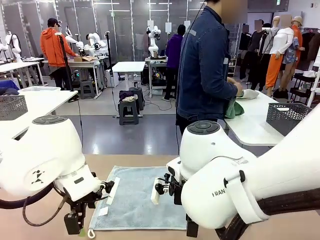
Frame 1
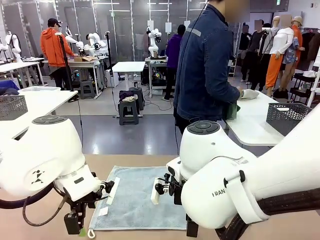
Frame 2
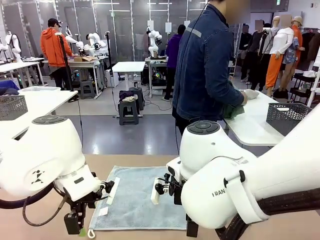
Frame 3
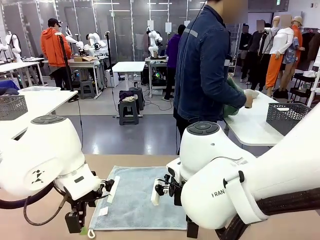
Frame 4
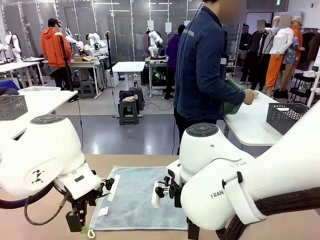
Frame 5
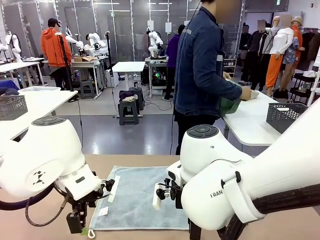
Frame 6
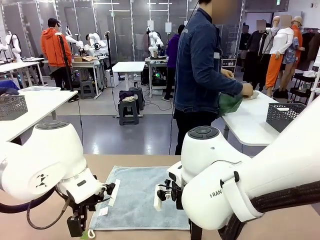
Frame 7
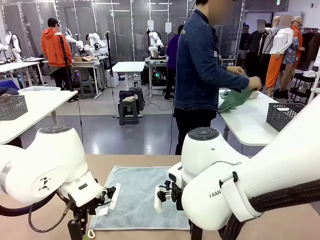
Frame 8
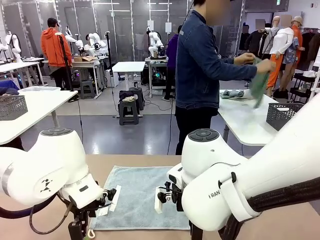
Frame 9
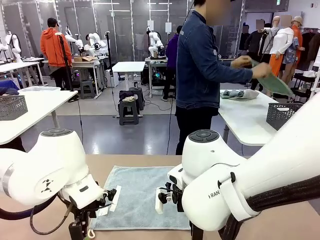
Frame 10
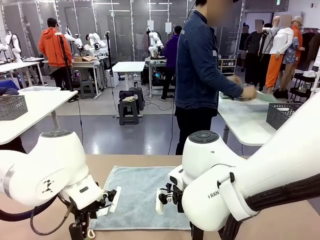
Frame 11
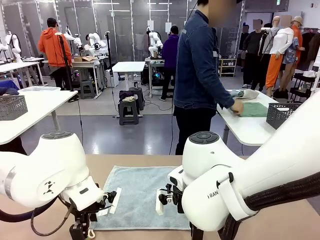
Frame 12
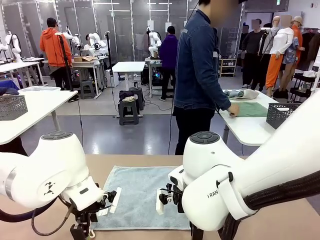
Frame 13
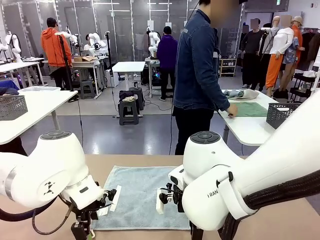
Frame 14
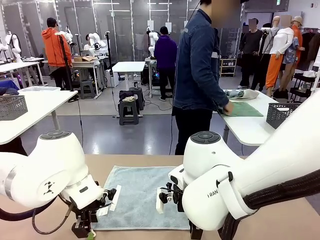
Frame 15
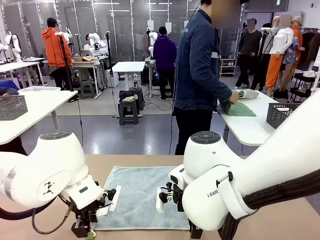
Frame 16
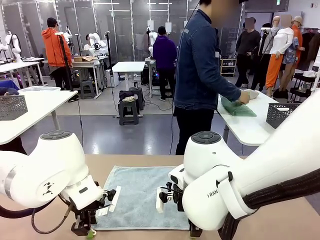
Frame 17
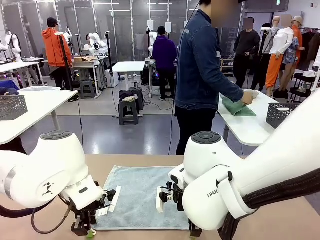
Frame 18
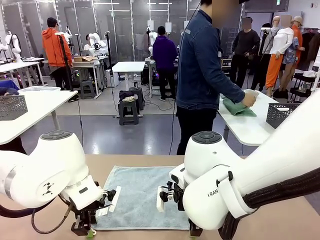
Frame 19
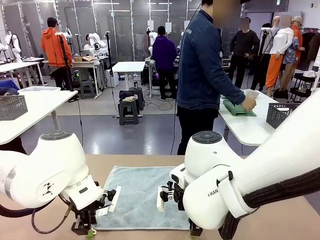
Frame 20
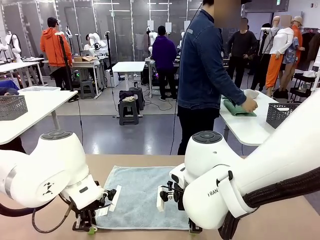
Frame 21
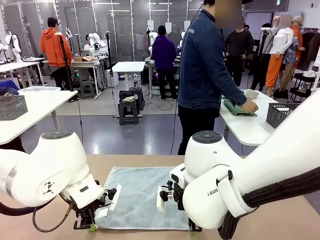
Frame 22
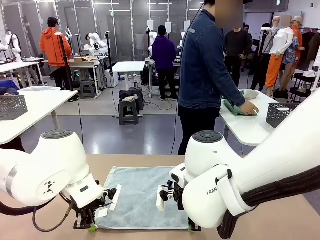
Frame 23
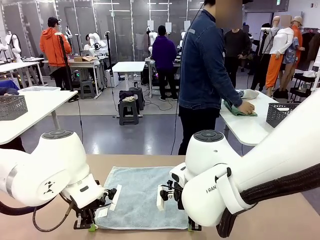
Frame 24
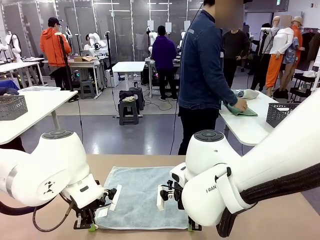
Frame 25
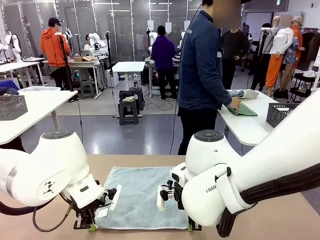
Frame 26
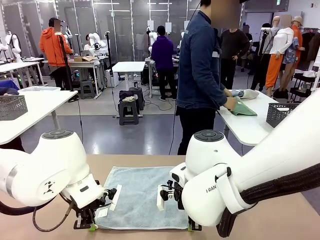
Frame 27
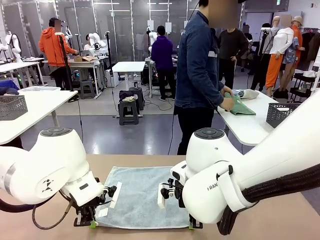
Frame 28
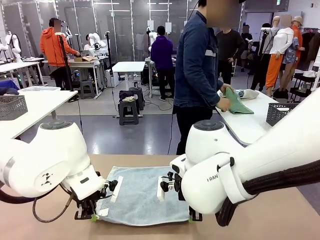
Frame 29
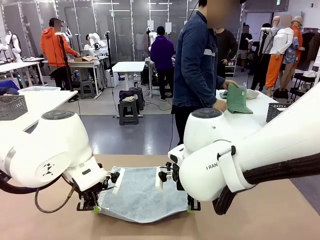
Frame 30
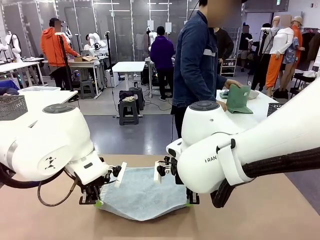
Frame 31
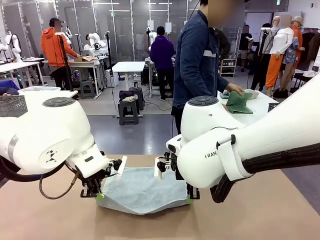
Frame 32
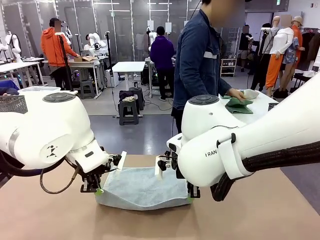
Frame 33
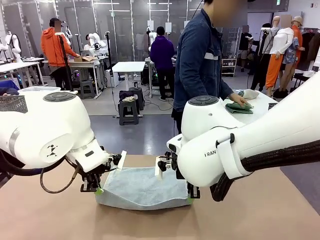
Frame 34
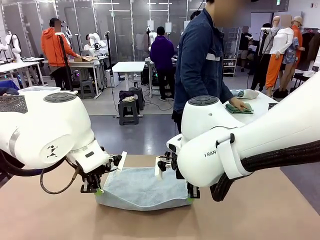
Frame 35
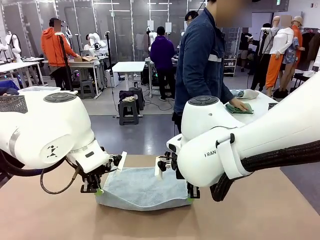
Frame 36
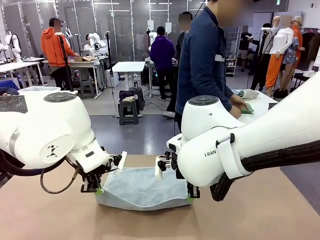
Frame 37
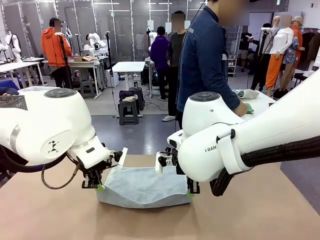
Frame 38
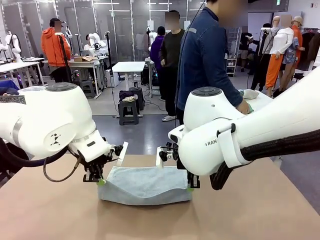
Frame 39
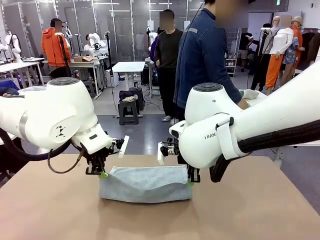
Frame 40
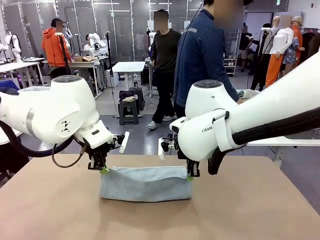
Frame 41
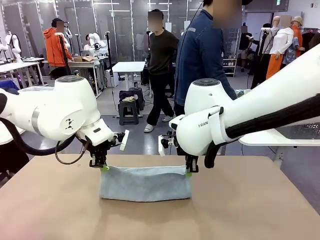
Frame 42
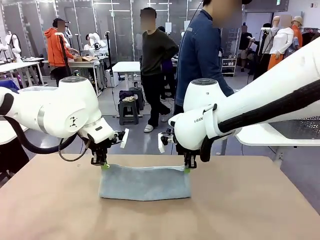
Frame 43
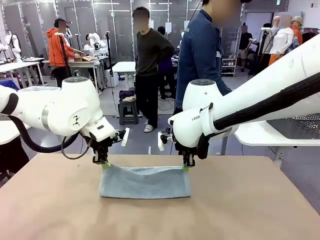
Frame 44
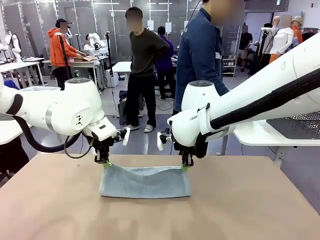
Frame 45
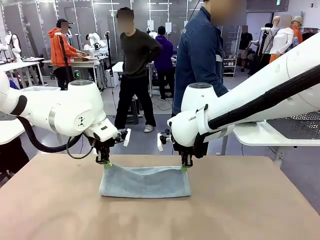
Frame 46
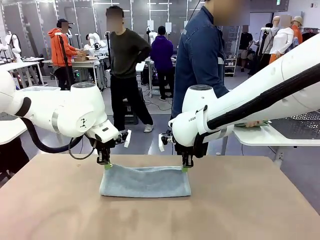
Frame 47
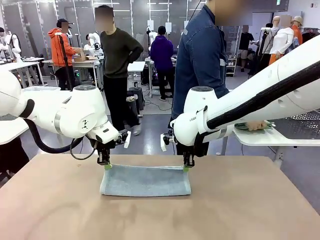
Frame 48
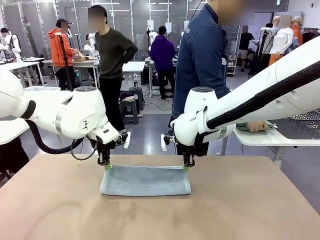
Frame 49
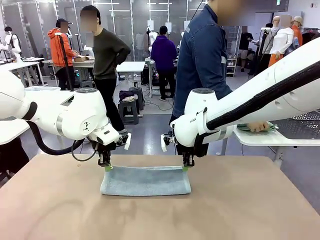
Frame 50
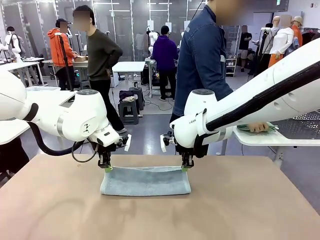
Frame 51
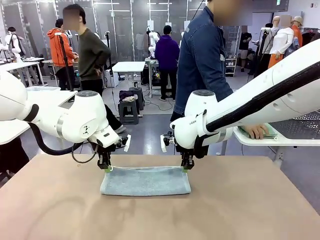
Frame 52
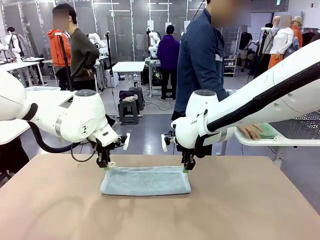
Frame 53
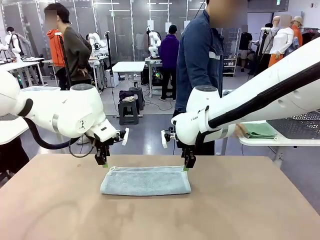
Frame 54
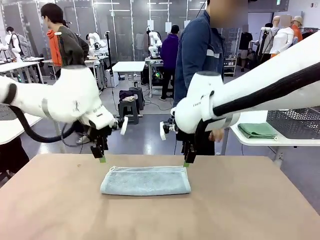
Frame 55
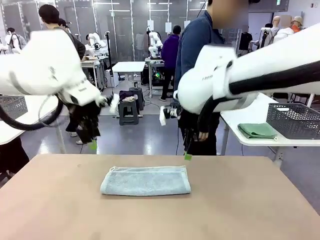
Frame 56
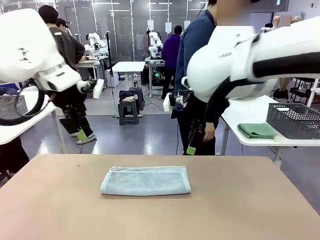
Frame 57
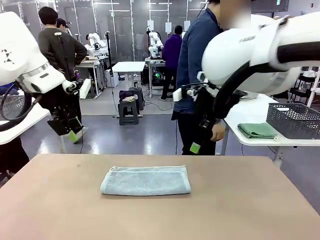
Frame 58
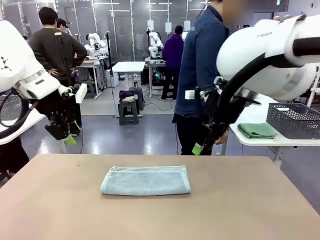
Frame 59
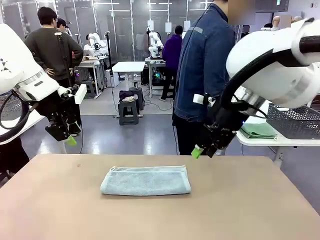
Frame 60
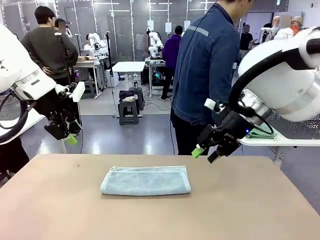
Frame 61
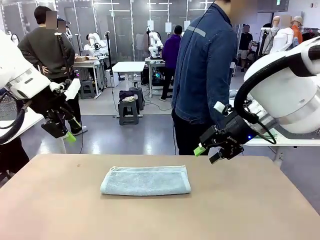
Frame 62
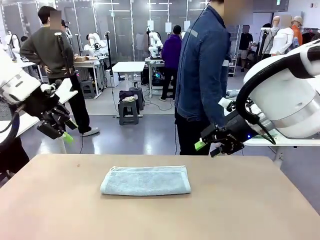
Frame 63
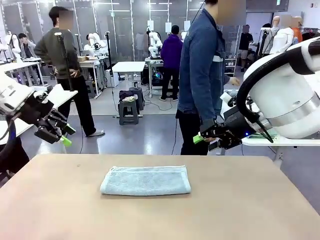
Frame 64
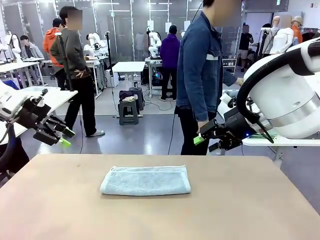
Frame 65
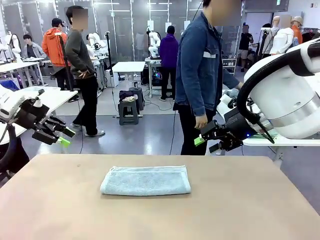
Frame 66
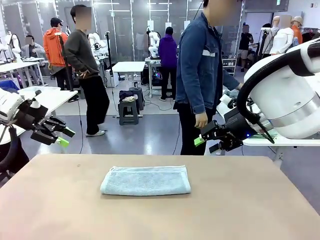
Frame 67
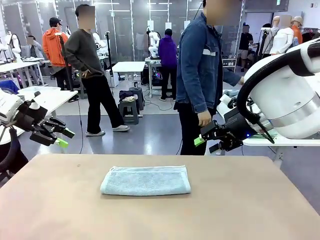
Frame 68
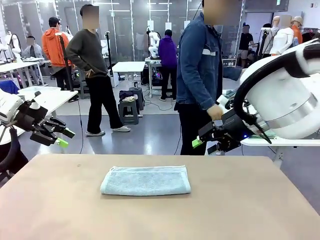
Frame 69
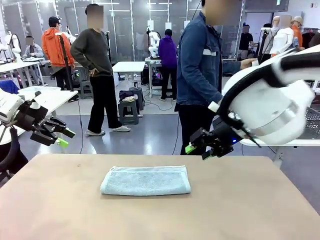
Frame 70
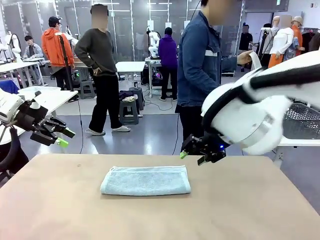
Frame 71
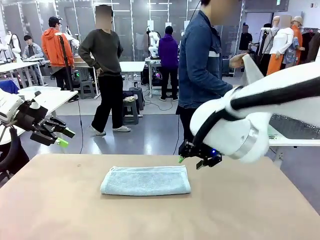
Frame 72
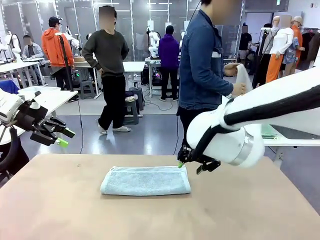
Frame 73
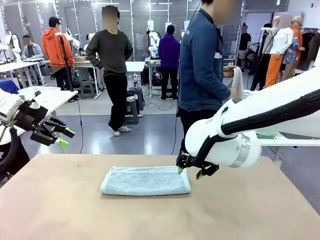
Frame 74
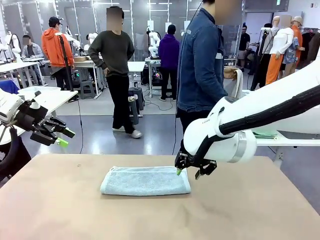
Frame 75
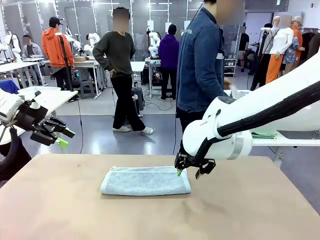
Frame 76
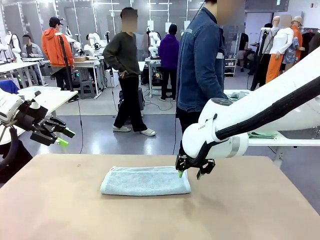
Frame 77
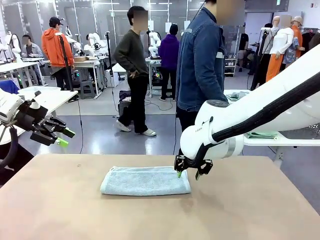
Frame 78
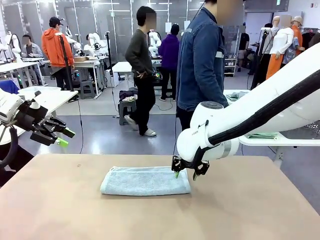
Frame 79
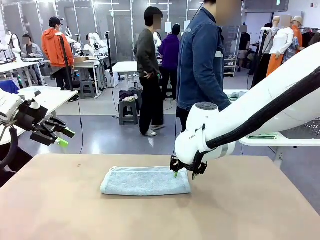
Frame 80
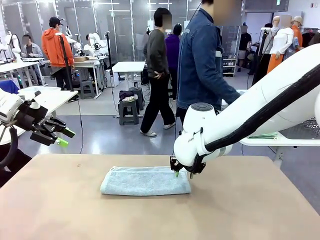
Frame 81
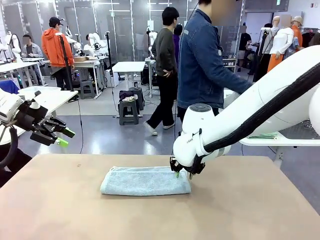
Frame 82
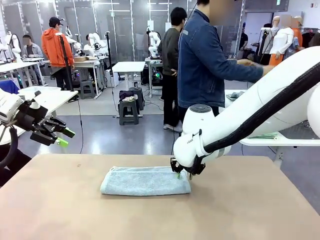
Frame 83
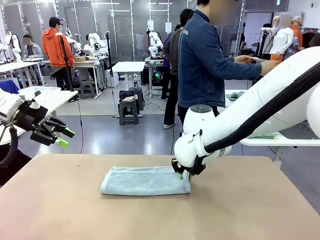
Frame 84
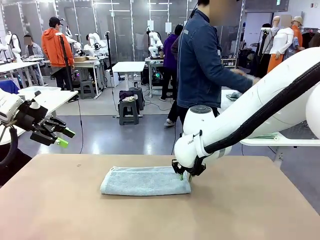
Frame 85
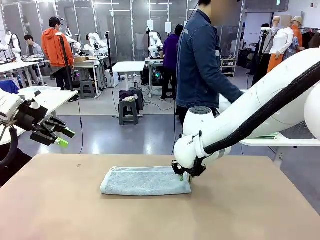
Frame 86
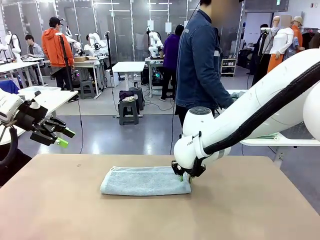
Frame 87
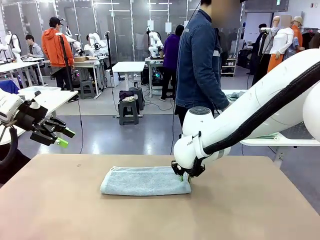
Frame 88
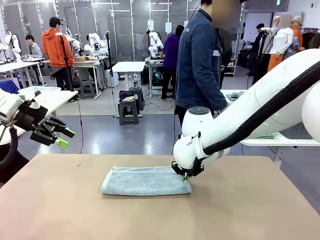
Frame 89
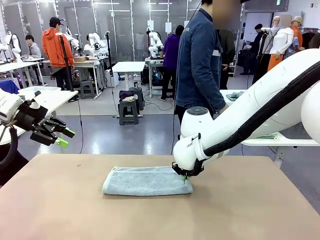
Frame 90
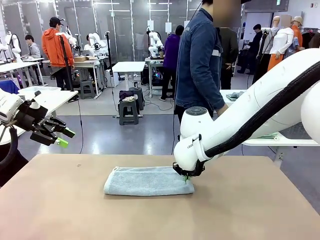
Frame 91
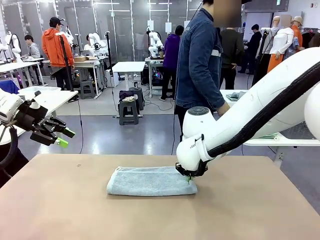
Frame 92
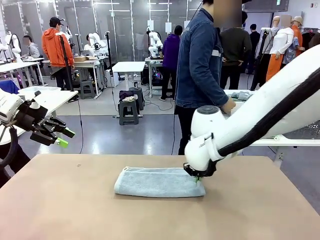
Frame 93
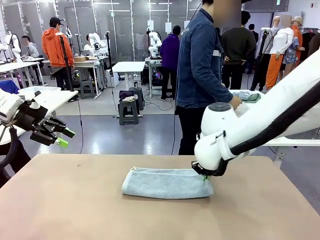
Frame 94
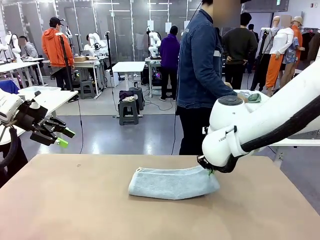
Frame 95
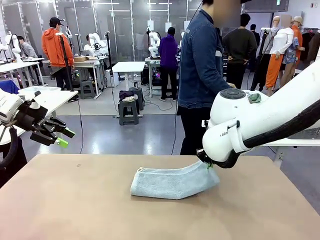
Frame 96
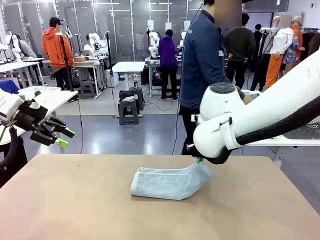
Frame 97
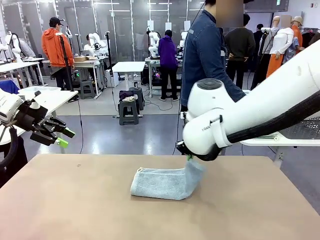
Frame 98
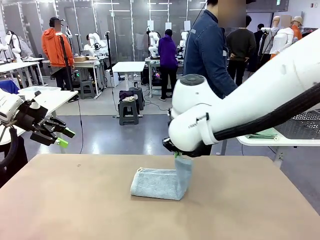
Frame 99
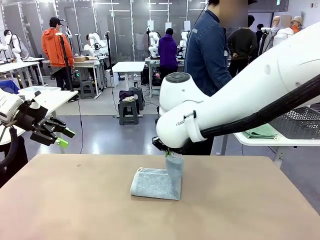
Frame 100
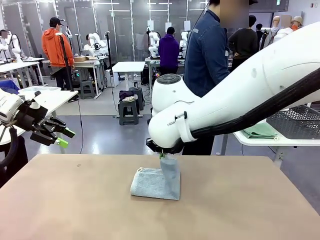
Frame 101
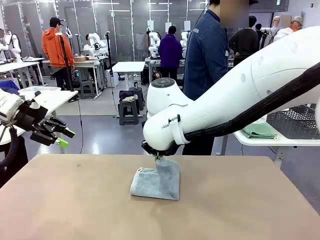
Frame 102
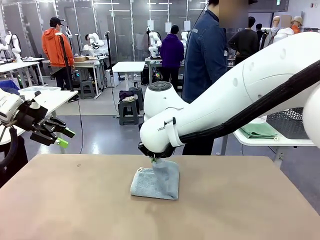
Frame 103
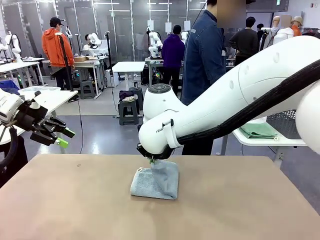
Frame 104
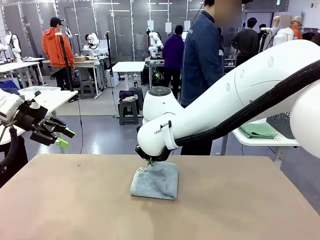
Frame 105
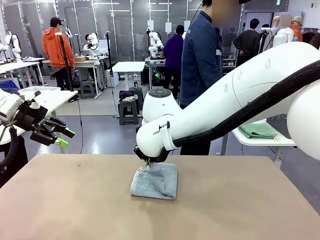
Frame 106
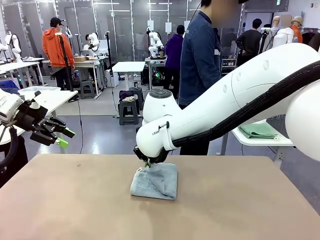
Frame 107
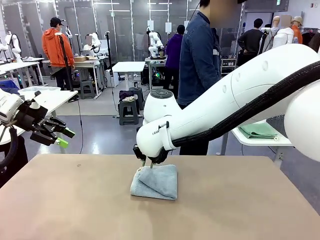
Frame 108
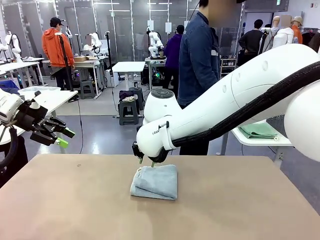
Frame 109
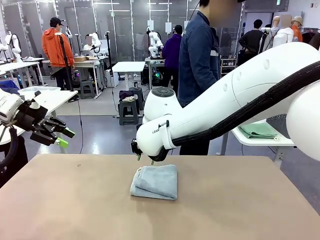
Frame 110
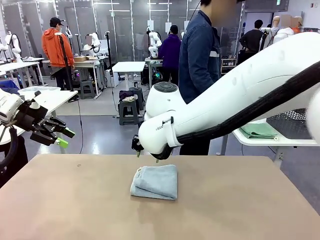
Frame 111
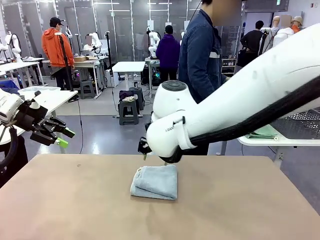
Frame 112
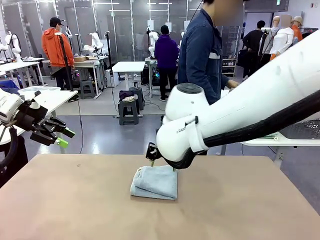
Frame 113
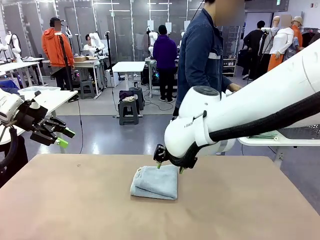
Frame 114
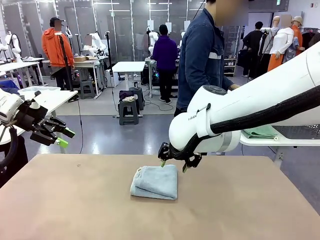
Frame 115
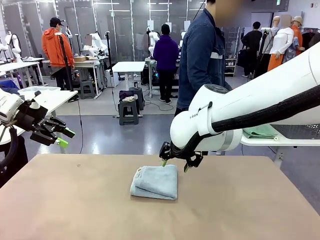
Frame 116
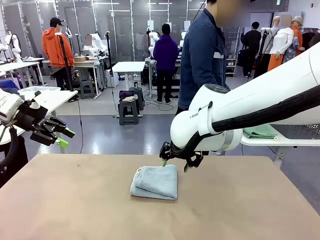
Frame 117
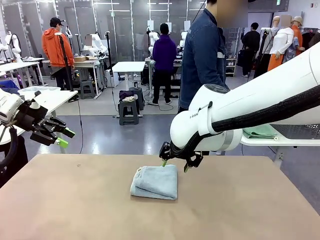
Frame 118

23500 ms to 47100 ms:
Task: Fold the towels and place them in the basket.
Robot: When a person lays out a Towel with hook on the table, fold it in half twice.
Person: Pick up one towel from the left side of the human table, fold it in half twice, and place it on the right side of the table. Pick up one towel from the left side of the human table, fold it in half twice, and stack it on the right side of the table.
